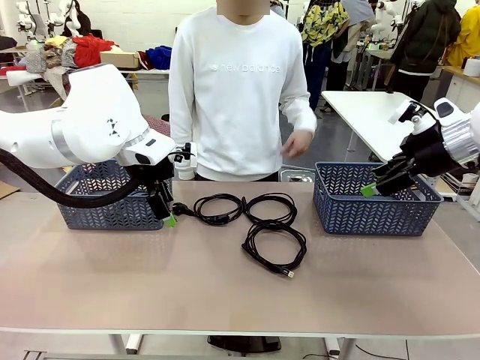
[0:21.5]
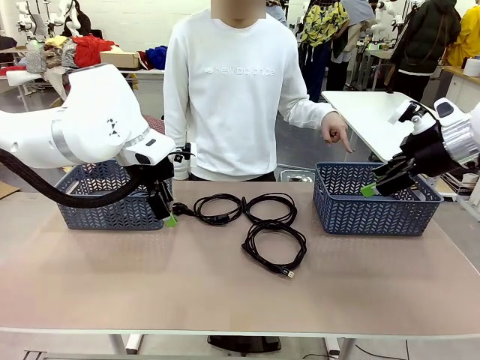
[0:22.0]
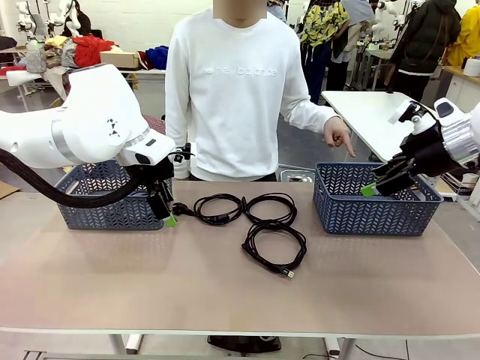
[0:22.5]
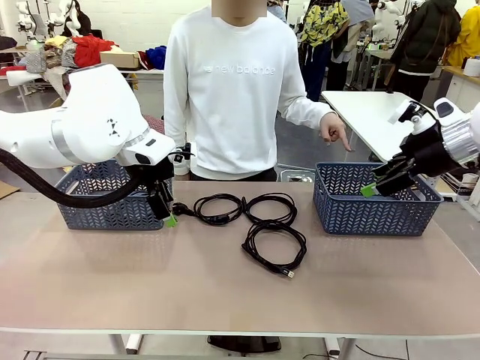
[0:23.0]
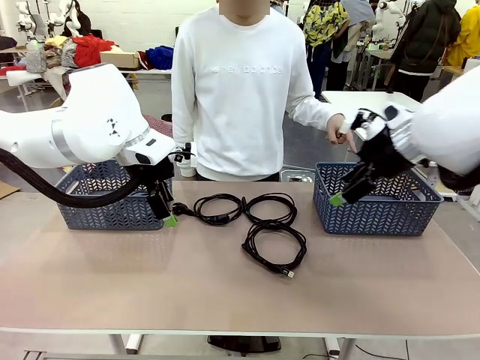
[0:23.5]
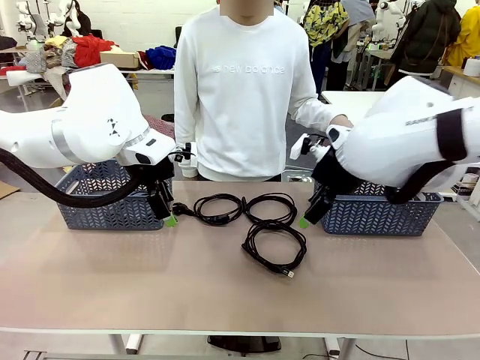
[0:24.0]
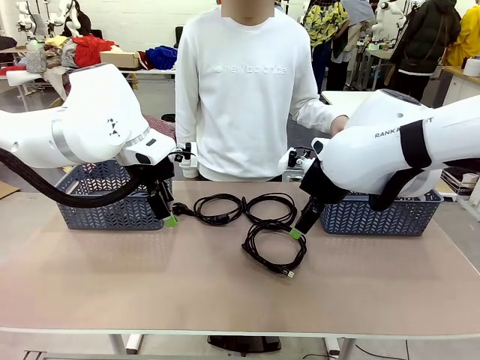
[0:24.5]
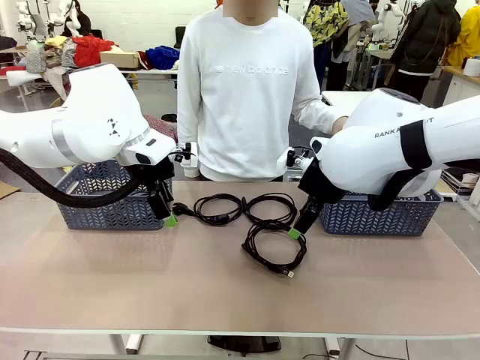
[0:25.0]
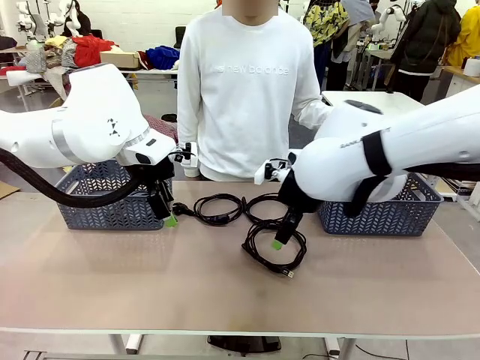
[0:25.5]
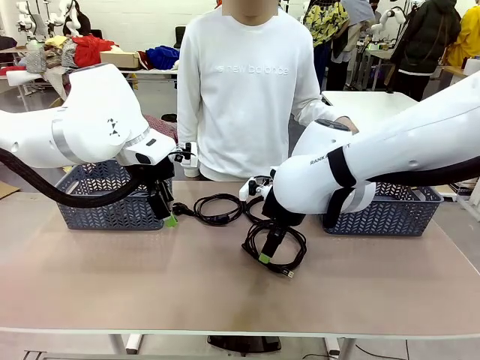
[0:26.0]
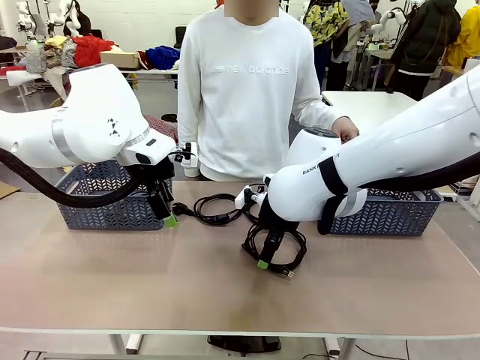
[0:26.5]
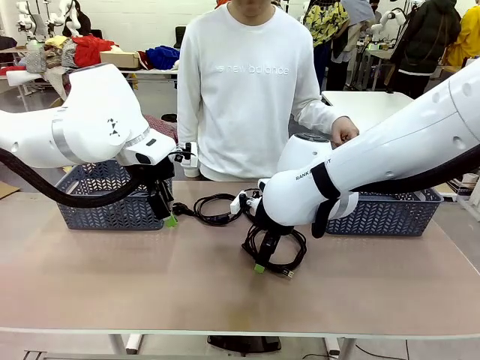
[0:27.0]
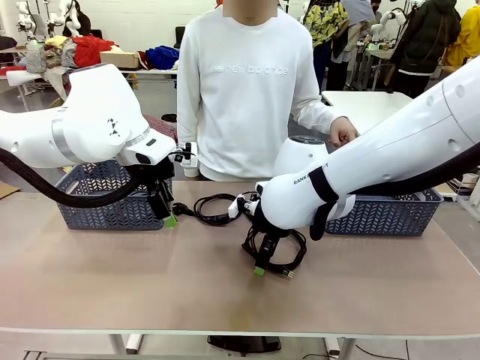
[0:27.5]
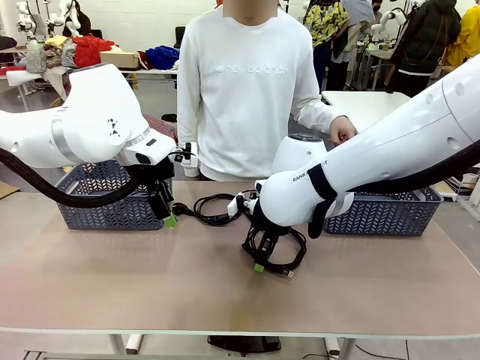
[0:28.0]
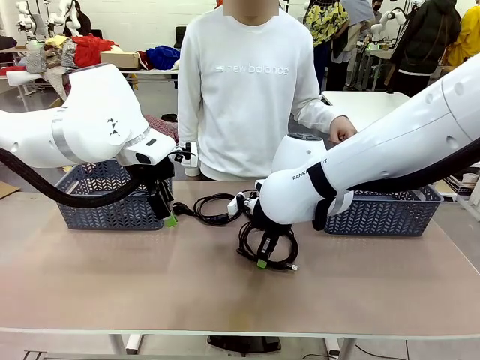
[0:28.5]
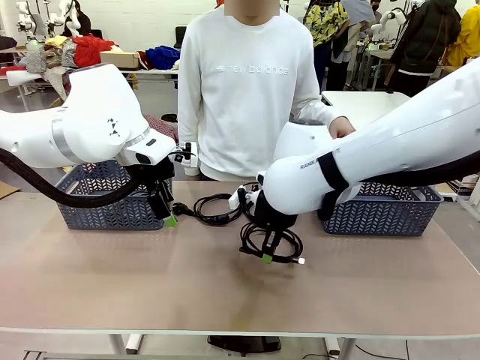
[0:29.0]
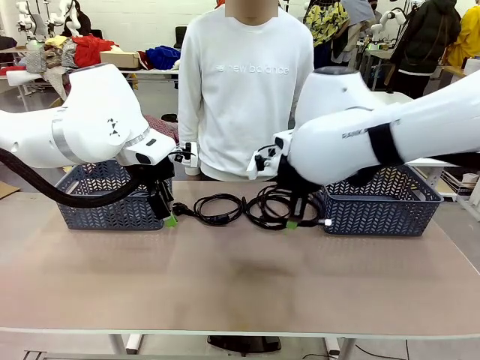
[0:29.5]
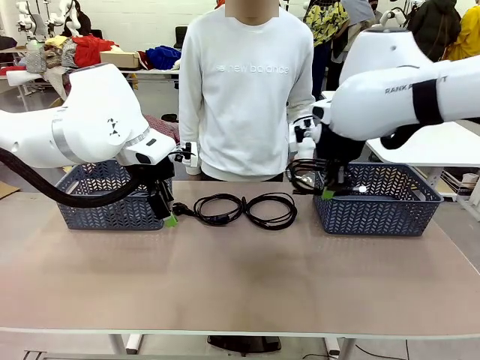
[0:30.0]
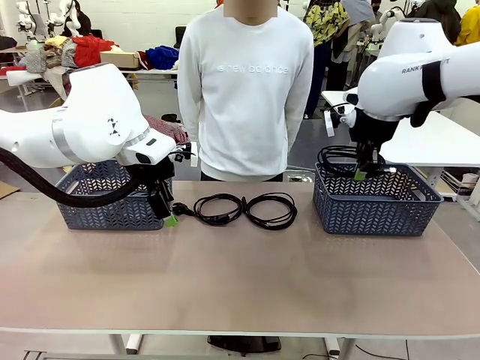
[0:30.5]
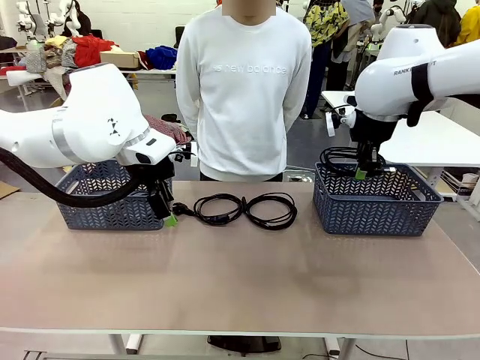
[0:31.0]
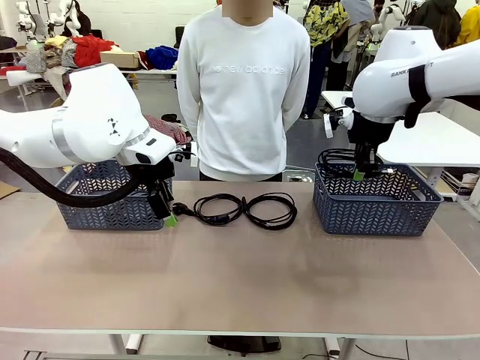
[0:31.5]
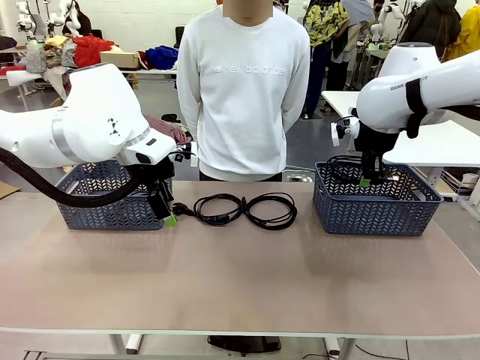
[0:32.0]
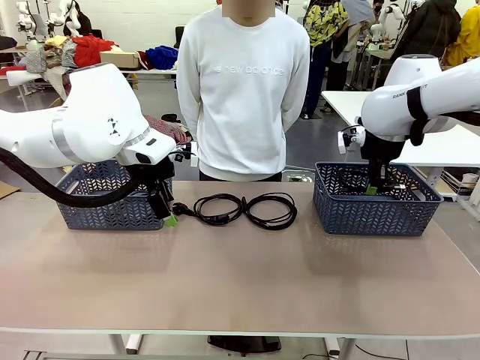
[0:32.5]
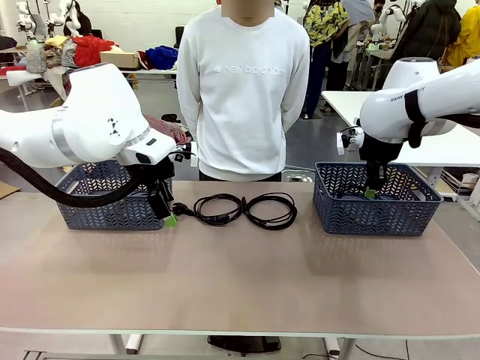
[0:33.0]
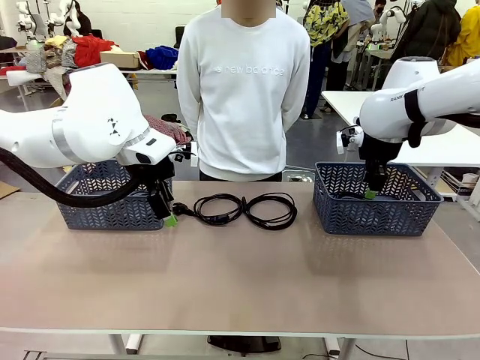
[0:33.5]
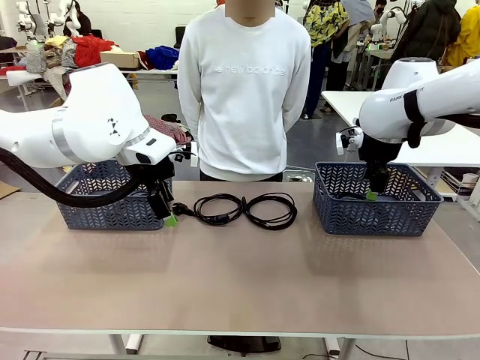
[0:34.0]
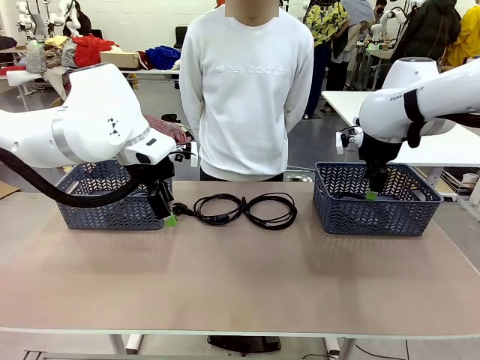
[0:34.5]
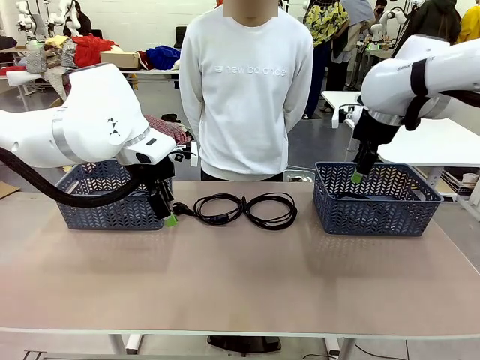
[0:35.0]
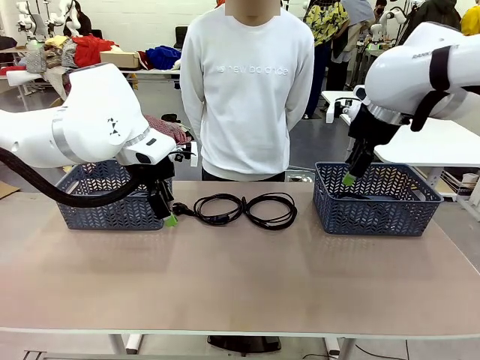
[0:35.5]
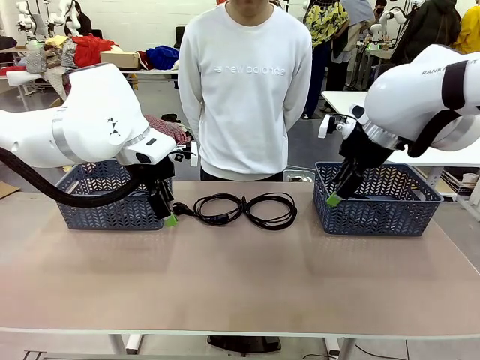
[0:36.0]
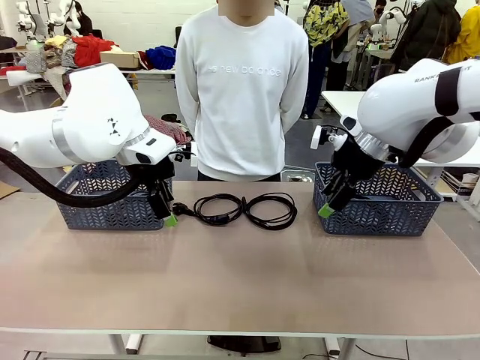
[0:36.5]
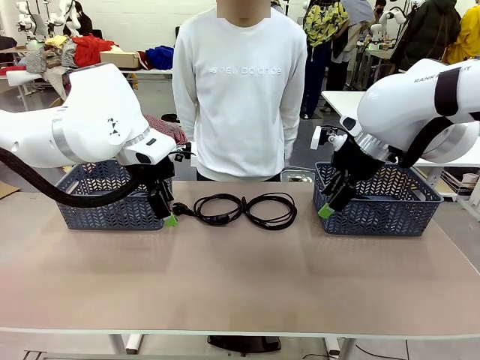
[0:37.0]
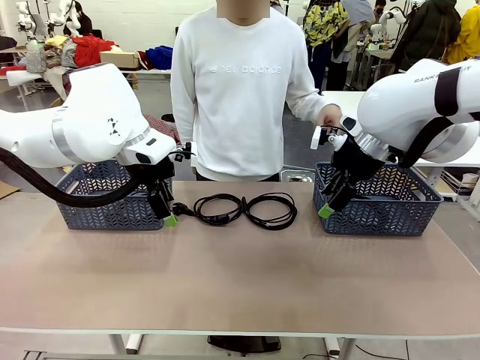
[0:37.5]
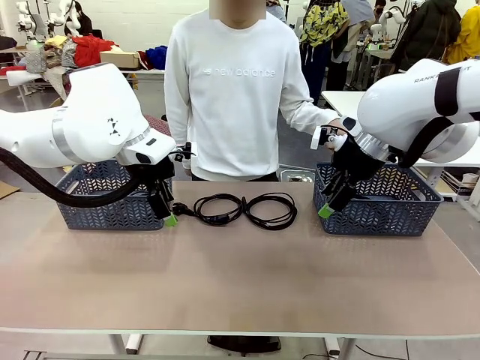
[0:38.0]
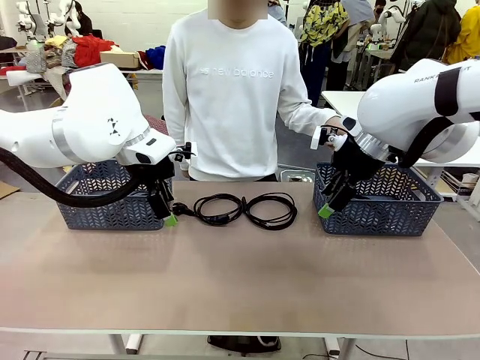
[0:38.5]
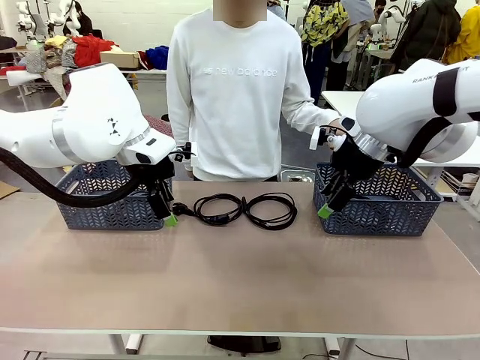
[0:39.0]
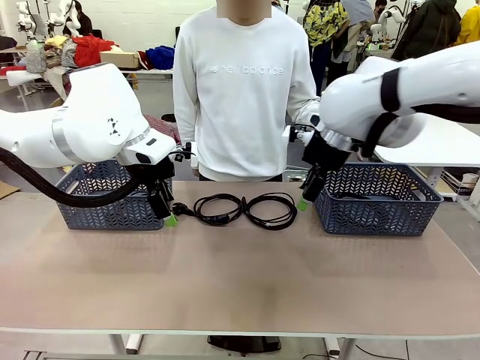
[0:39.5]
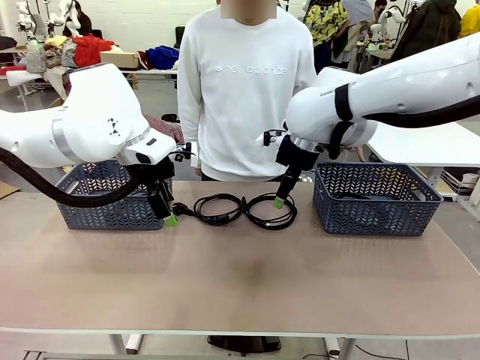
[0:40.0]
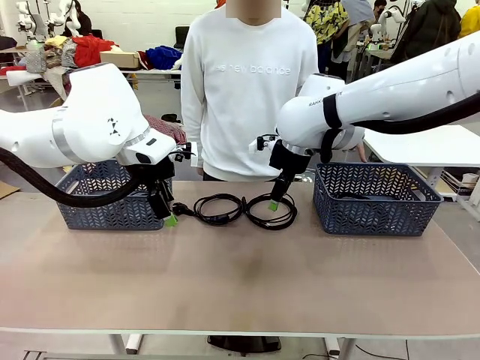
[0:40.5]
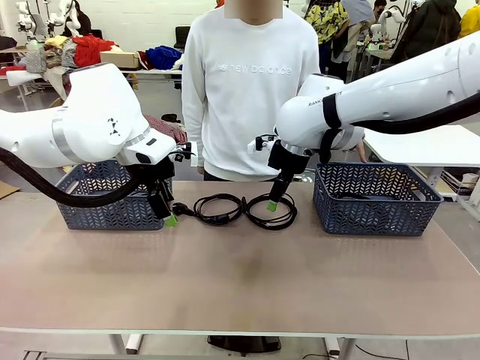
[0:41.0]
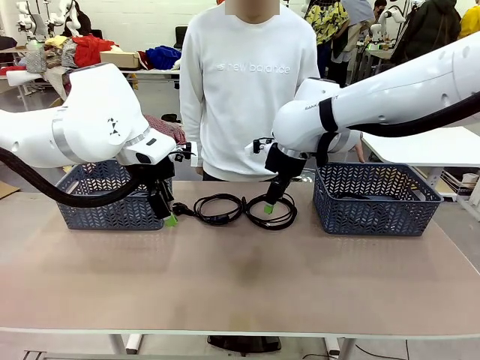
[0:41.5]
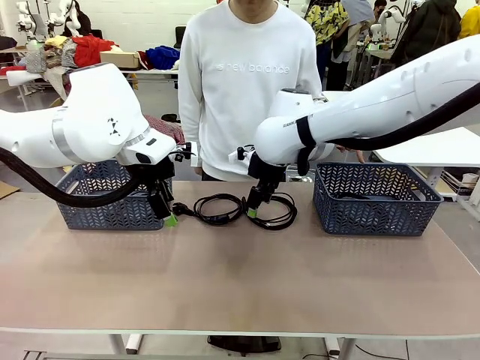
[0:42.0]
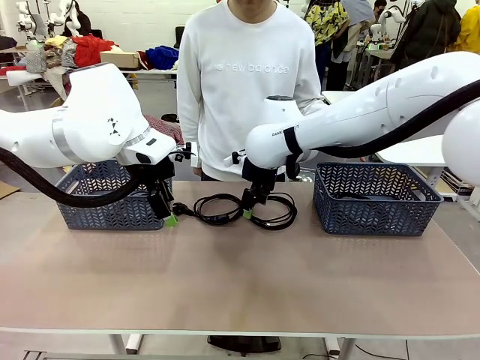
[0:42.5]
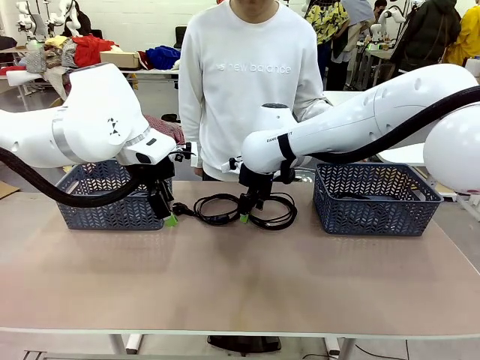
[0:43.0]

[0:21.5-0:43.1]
Task: Organize the cables according to human instructions.
Robot: Pick up a bundle of cables and place it in the basket indicated by the human.
